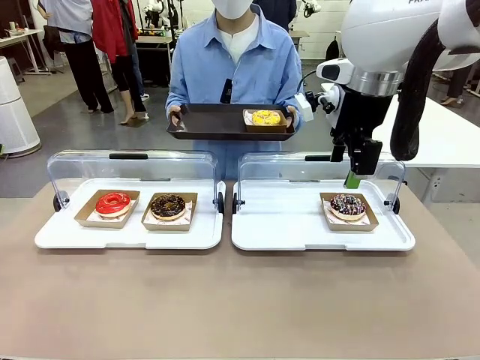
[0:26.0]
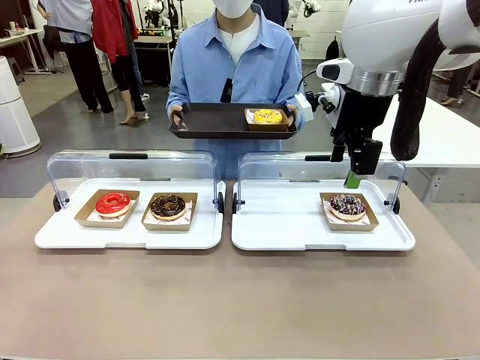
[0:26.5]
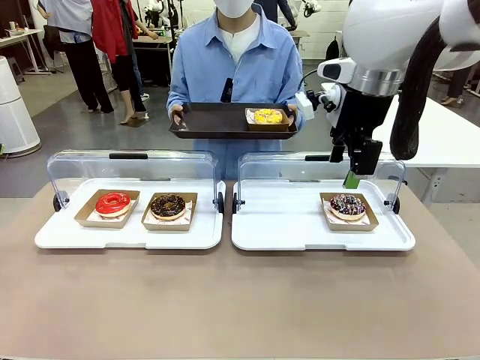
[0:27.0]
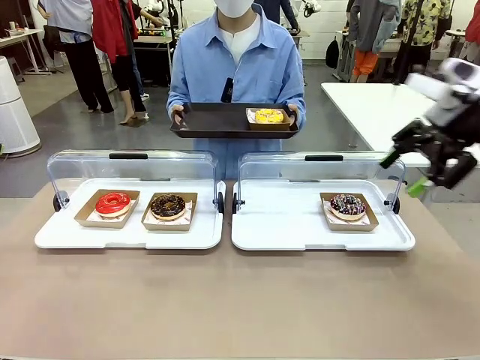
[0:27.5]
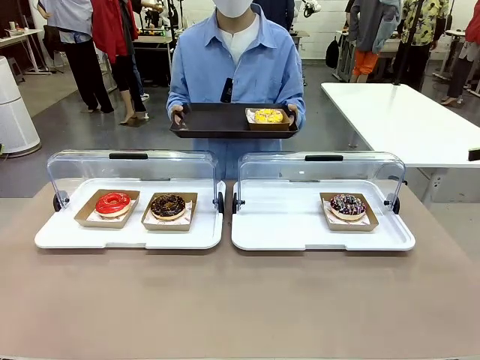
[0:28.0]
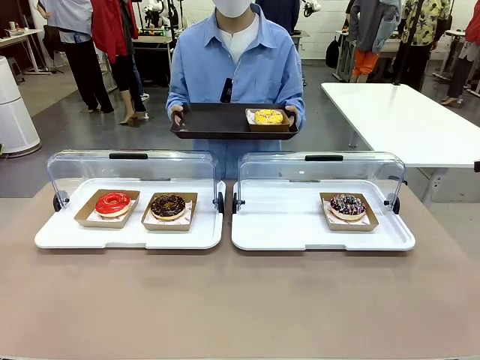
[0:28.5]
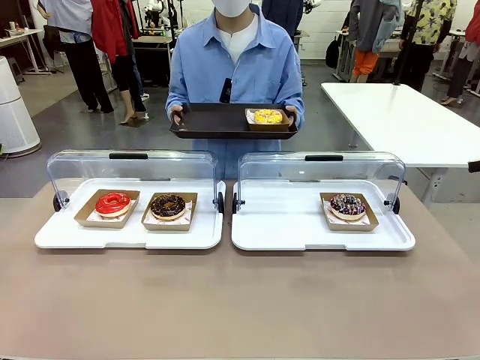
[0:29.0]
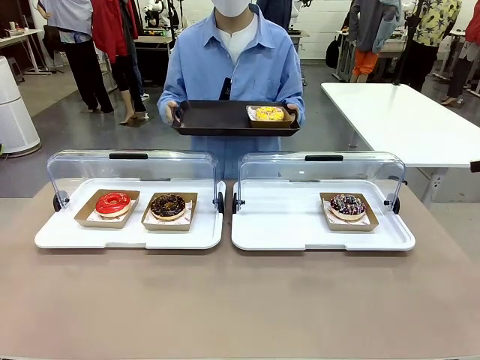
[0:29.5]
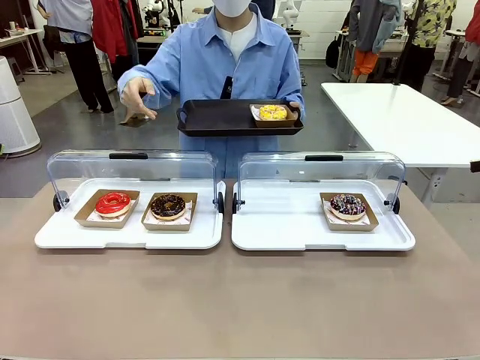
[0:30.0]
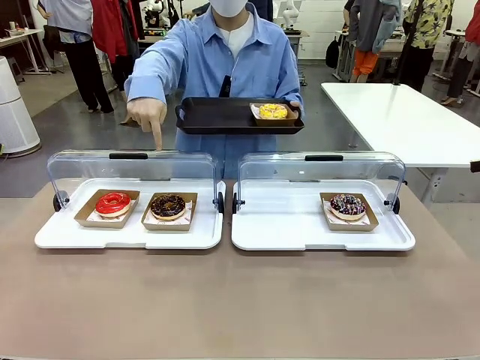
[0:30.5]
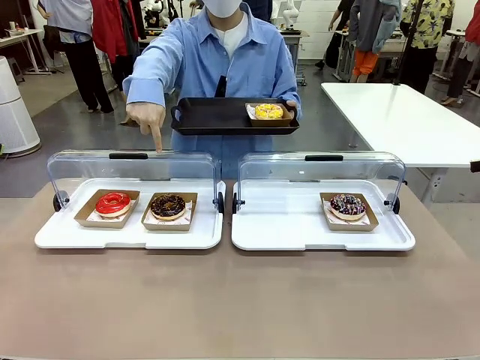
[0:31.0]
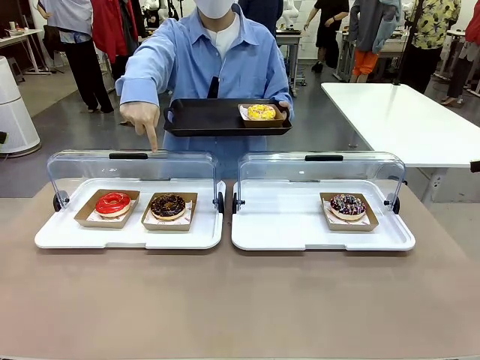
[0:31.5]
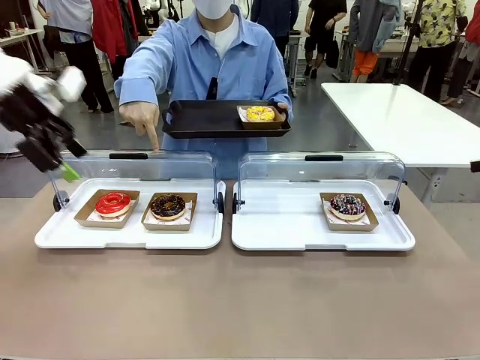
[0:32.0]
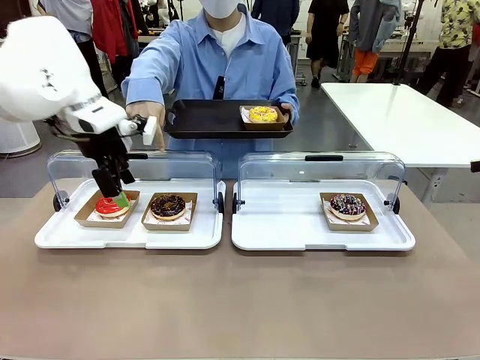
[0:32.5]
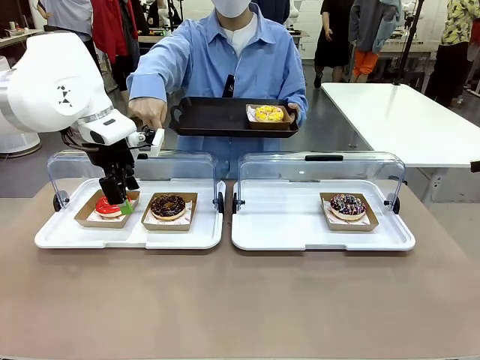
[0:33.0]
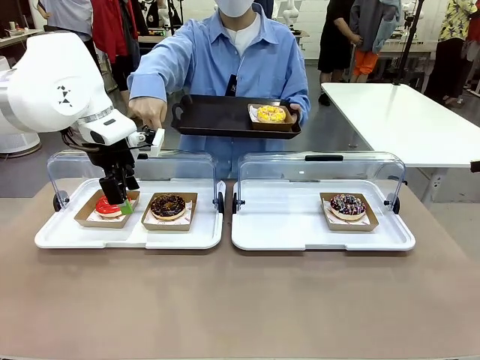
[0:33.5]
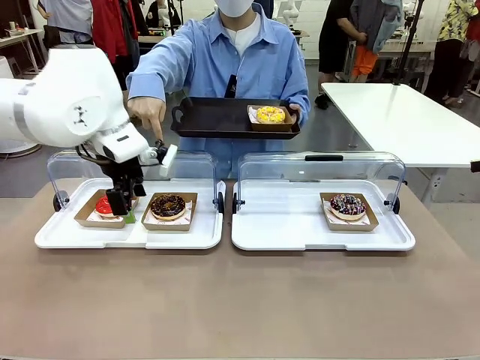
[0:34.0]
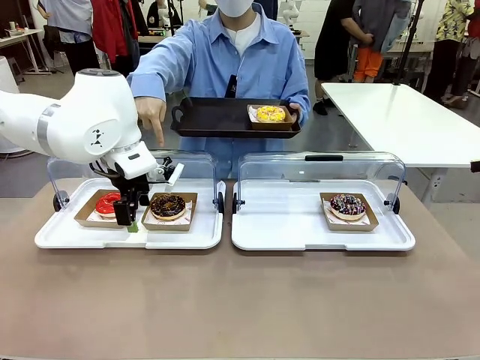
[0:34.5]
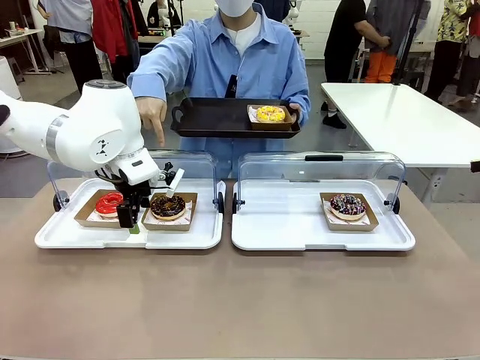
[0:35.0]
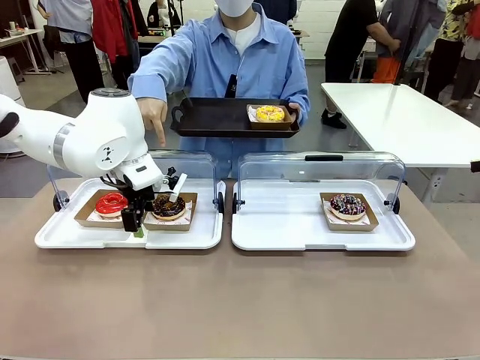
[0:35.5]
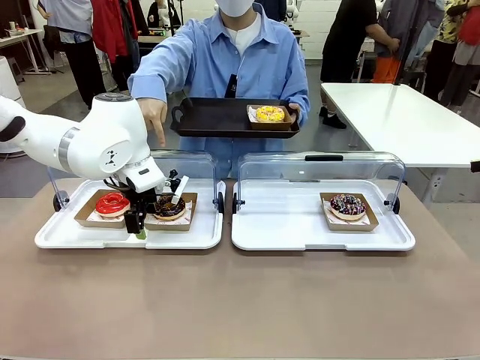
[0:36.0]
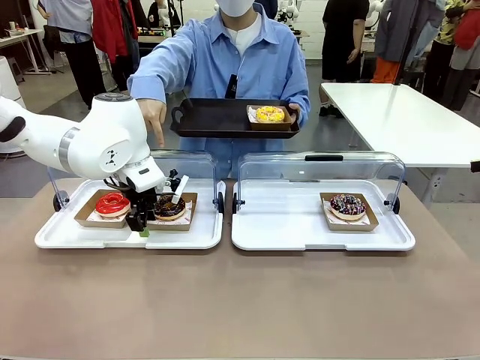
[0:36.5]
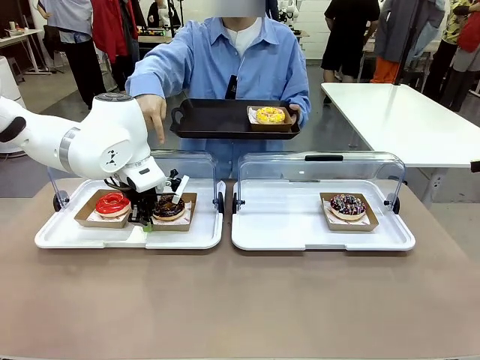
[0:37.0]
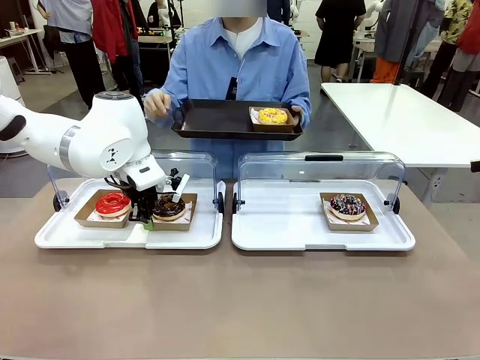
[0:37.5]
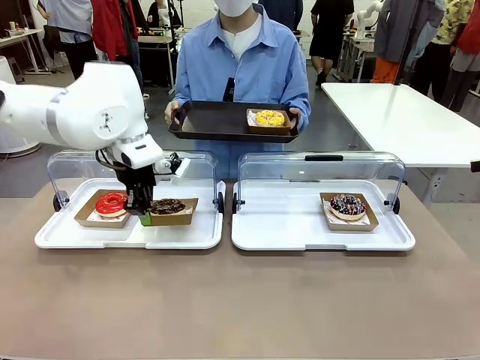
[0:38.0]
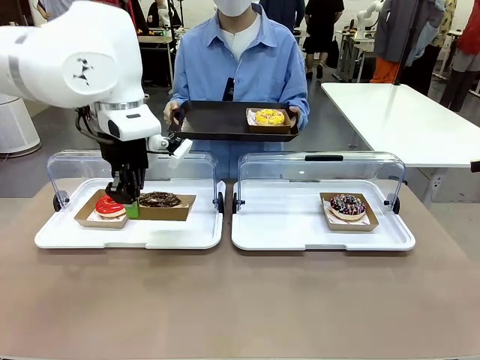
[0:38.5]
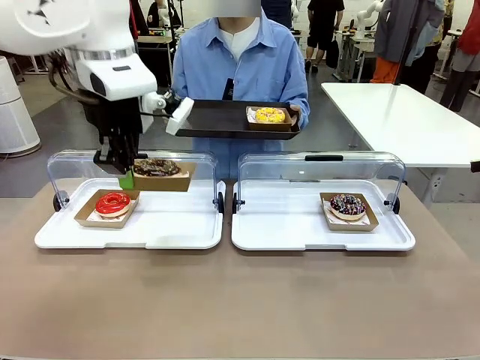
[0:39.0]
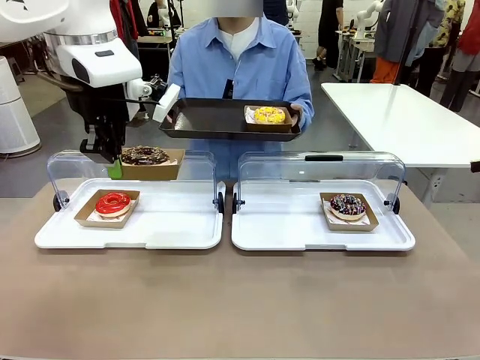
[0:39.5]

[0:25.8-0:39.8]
Task: Provide the desired donut to the person.
Robot: Pick up and lift the Paper togo box containing the Donut pointed at by the person.
Person: Point to one donut. Lift the tray onto the Roll-Top Bakery Case.

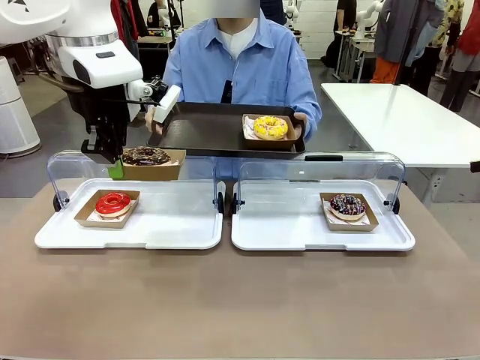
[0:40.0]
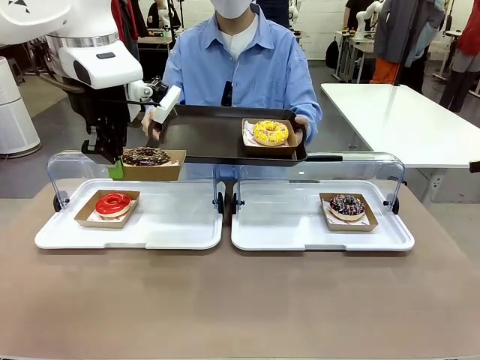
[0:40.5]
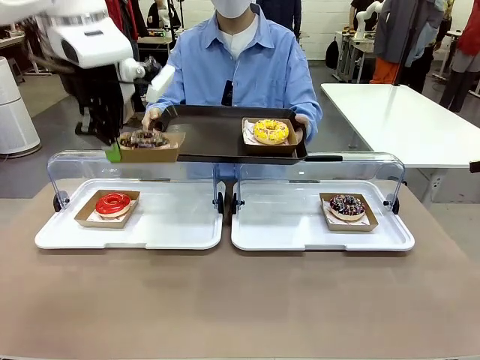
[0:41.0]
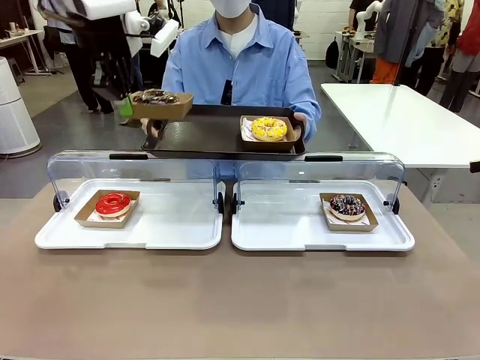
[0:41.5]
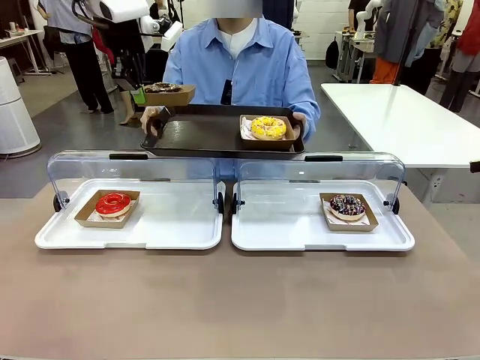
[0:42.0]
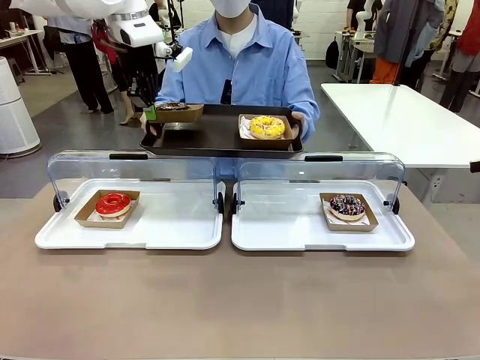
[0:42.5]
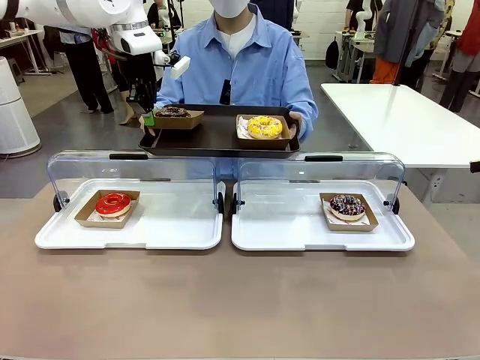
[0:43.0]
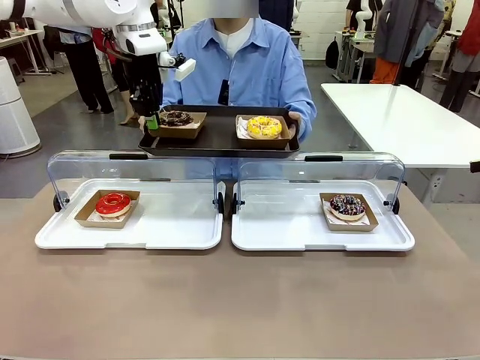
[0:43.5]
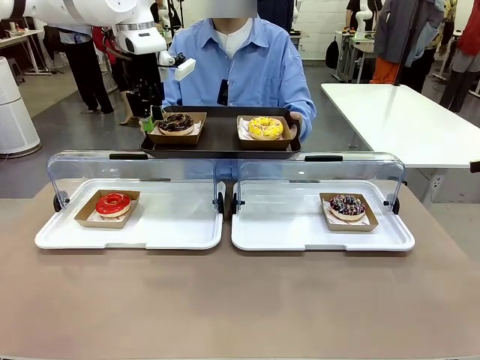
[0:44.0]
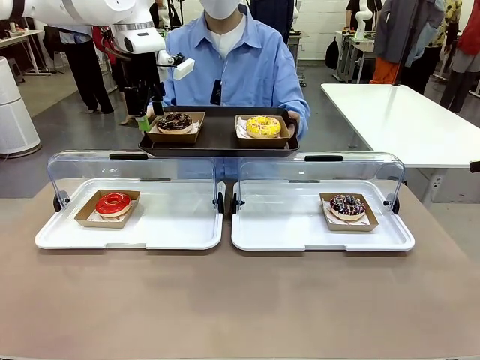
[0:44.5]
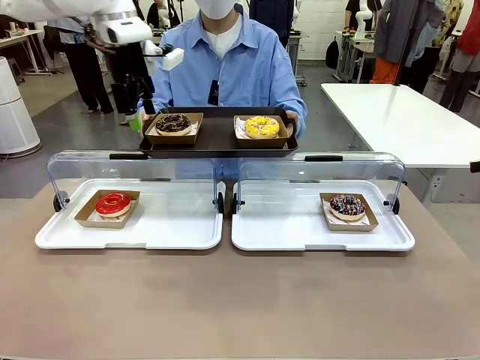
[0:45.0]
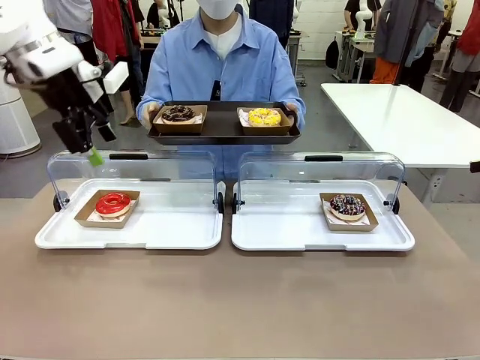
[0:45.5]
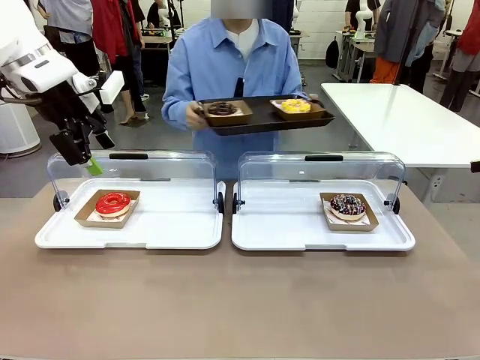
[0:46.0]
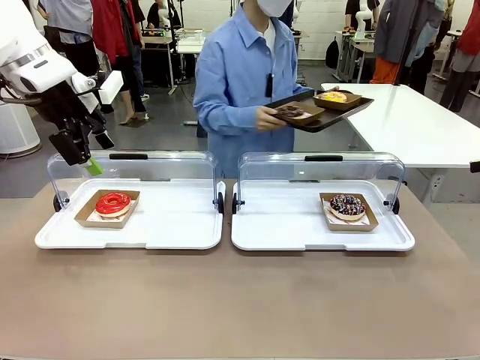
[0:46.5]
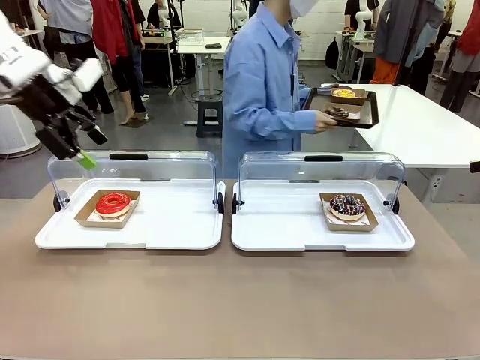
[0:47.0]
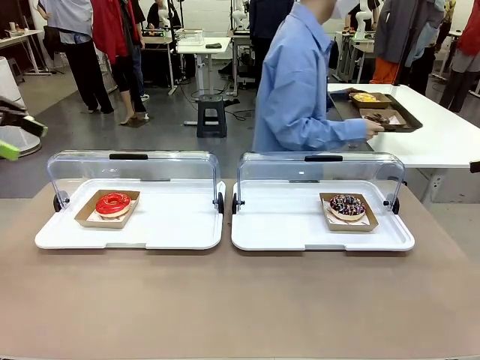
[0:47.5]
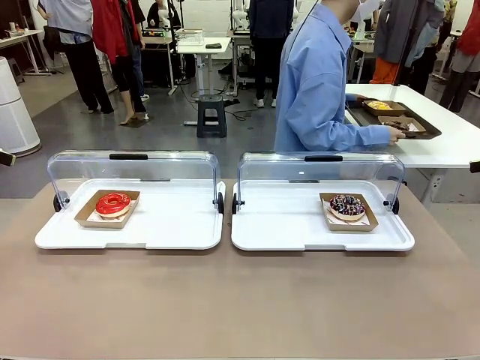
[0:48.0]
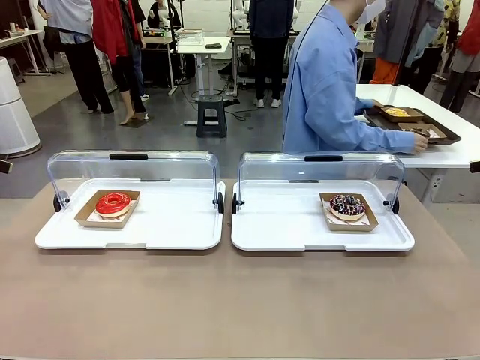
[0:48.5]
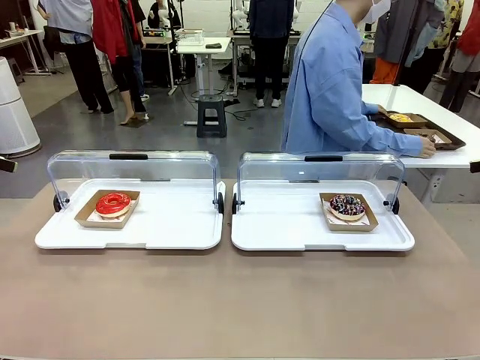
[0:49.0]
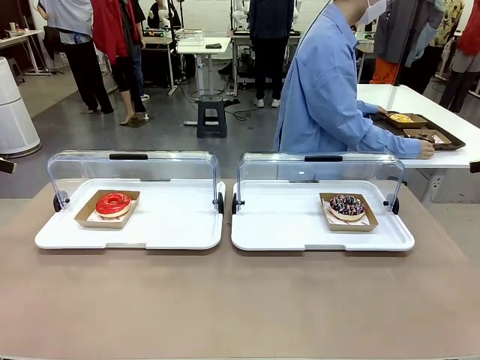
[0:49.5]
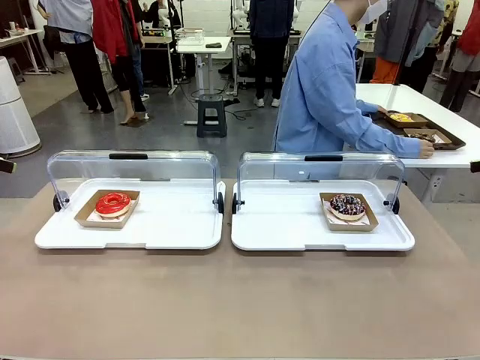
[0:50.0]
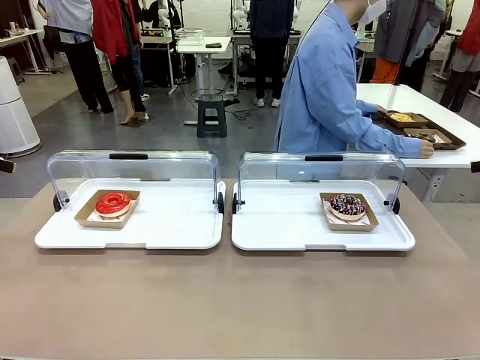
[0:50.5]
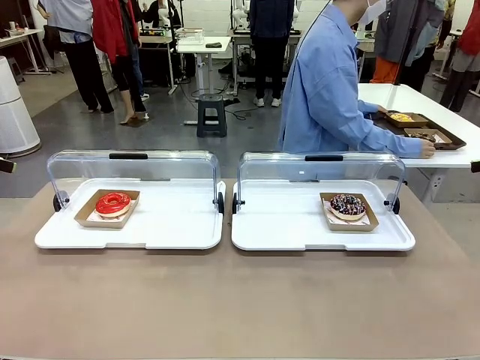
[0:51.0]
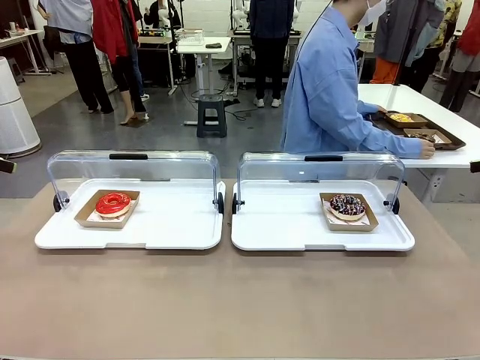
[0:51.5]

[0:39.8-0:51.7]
Robot: Place the picked Paper togo box onto the Handle tray extended by the person.
Person: Place the tray in the middle of the human table.
